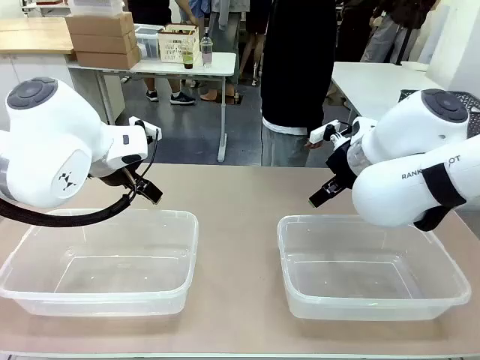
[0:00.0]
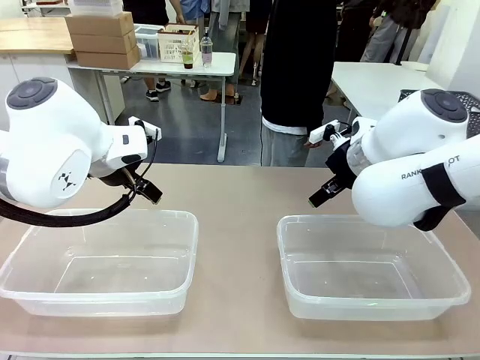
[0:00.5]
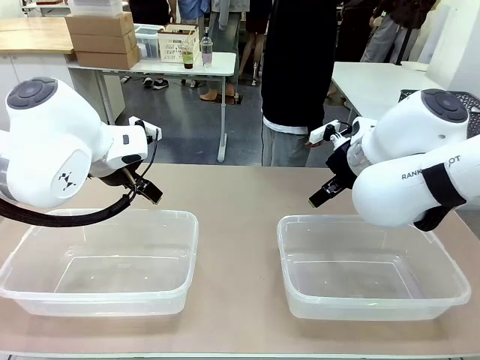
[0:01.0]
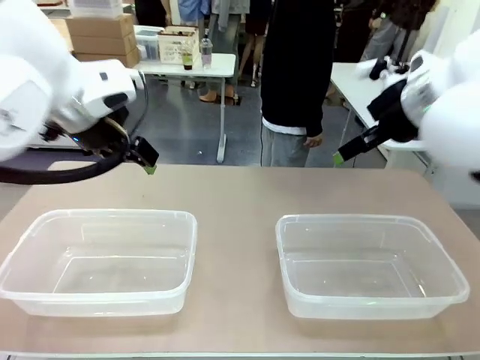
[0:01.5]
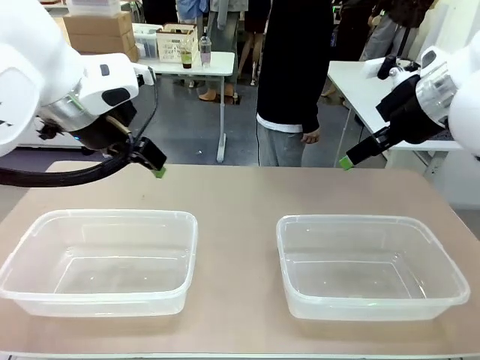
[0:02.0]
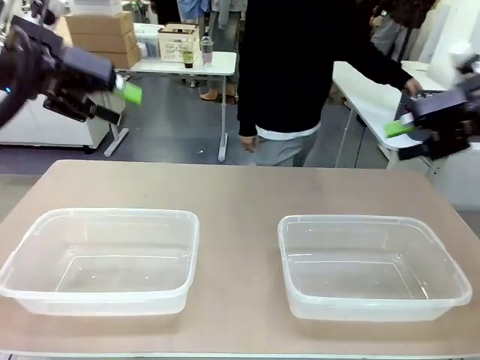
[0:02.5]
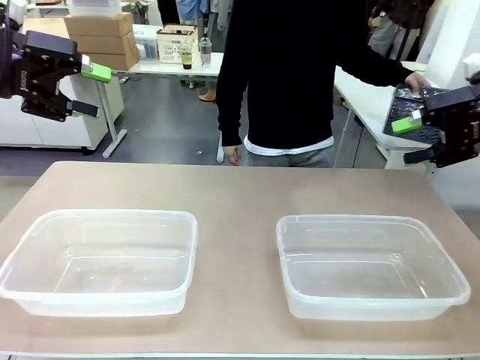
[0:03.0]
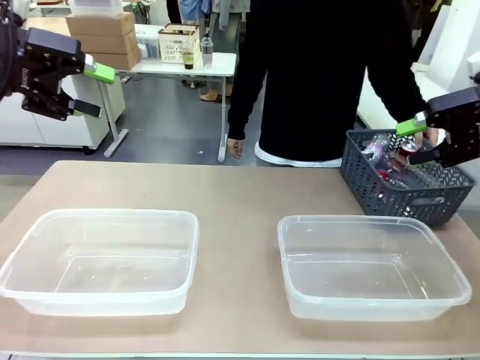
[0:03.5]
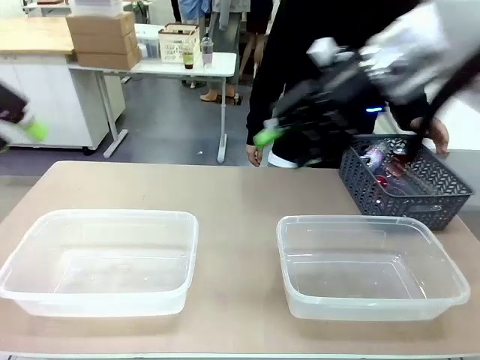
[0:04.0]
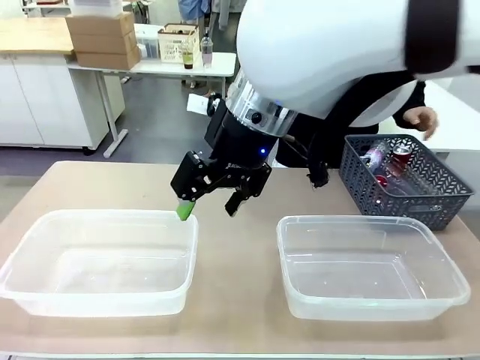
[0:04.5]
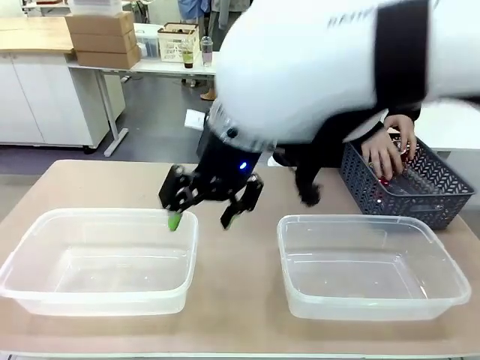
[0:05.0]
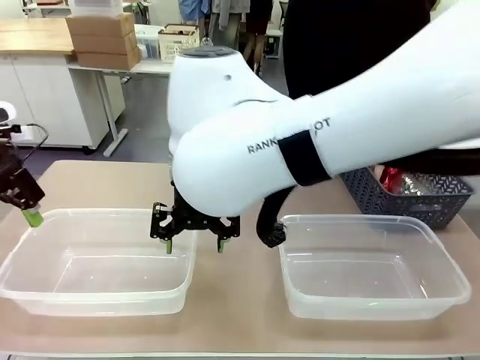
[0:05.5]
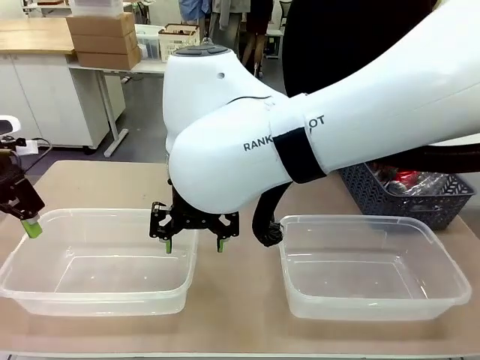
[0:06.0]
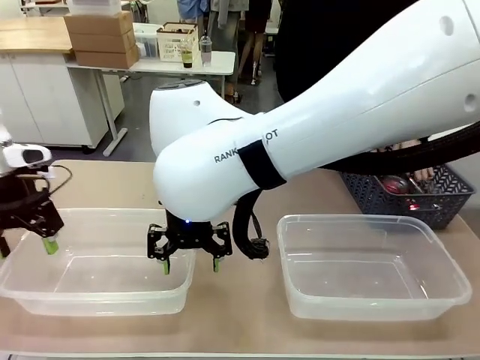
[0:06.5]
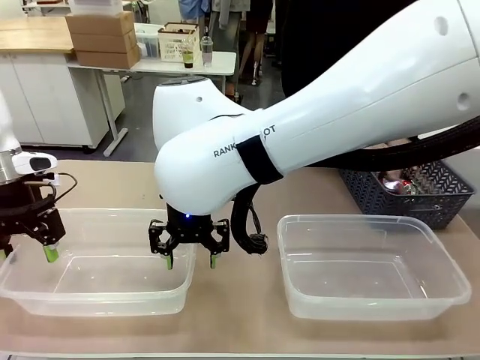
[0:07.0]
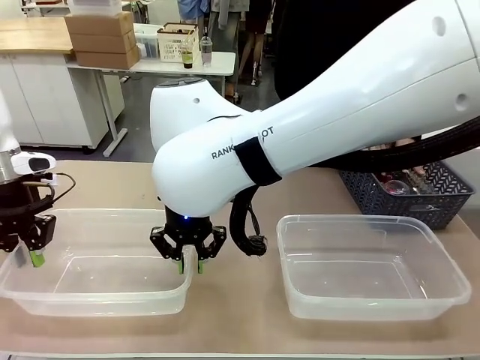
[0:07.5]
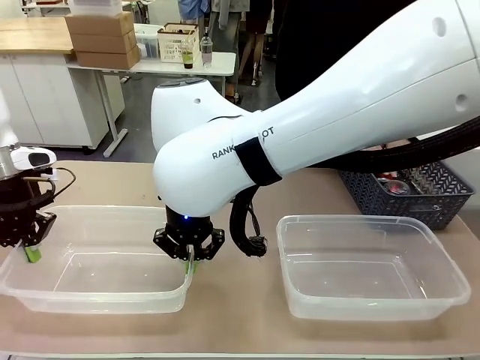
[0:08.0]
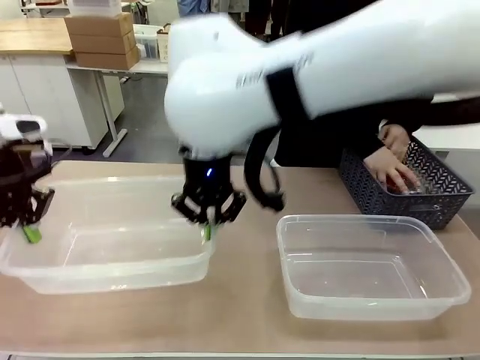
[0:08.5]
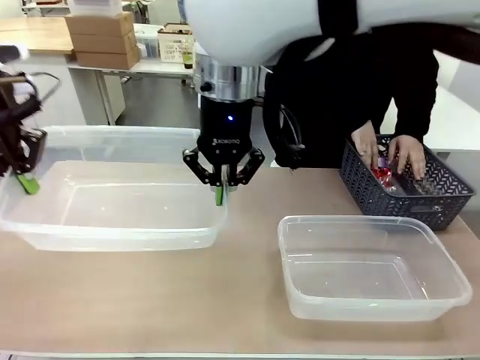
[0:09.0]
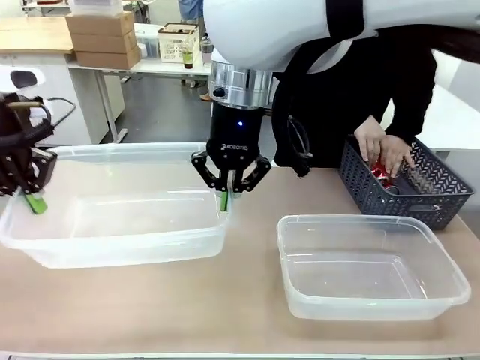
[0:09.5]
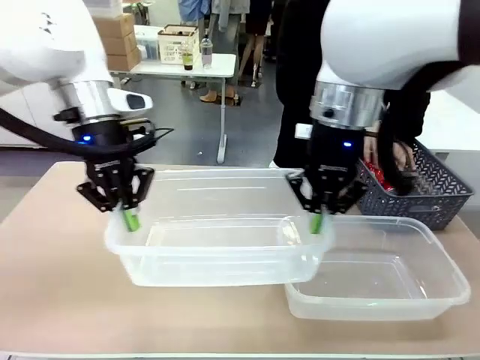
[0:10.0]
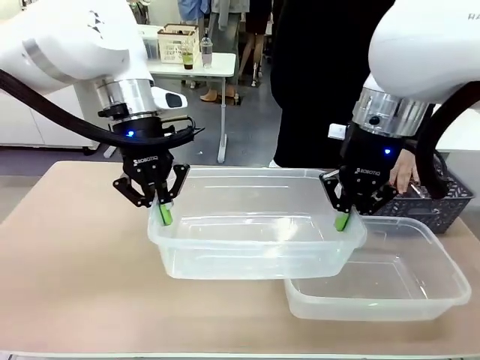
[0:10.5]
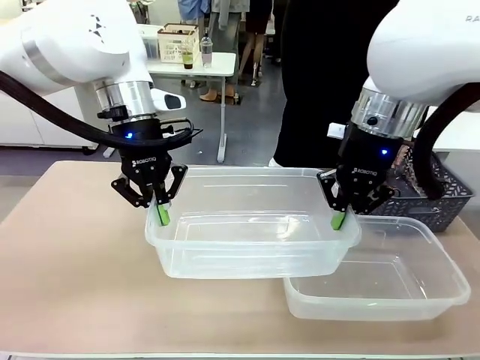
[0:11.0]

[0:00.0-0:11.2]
Robot: Pick up the Organizing box on the left side of the table and lift it.
Person: Pick up the storage basket and place it on the left side of the robot table. Pick up can-shaped waste one by one and place it into the organizing box lifted by the robot.

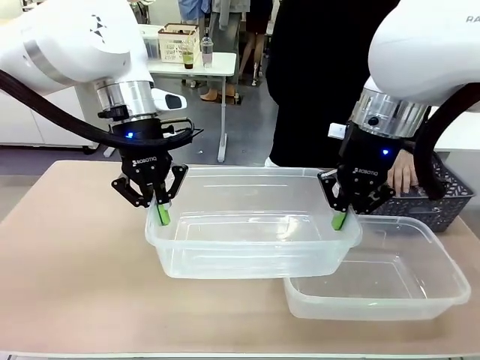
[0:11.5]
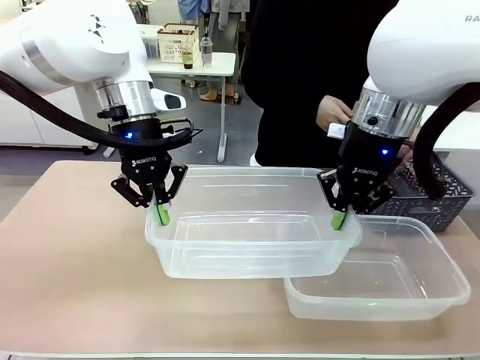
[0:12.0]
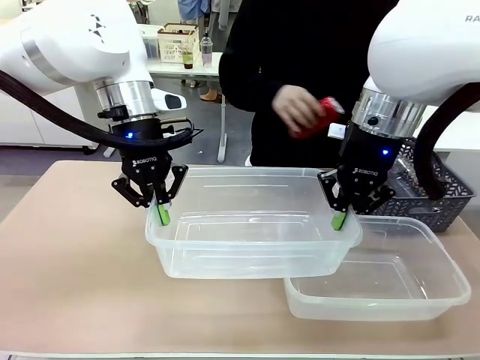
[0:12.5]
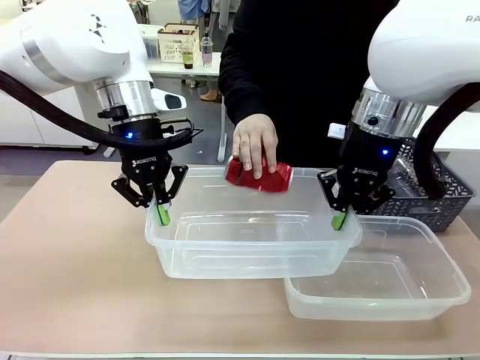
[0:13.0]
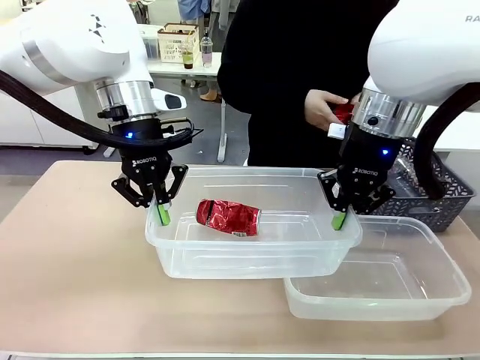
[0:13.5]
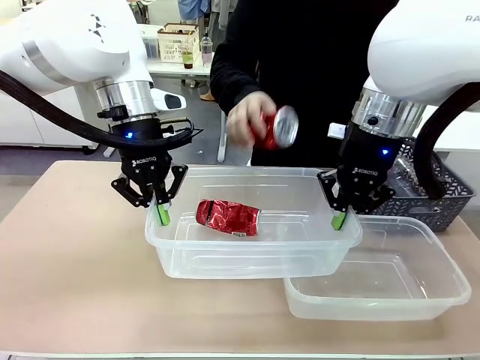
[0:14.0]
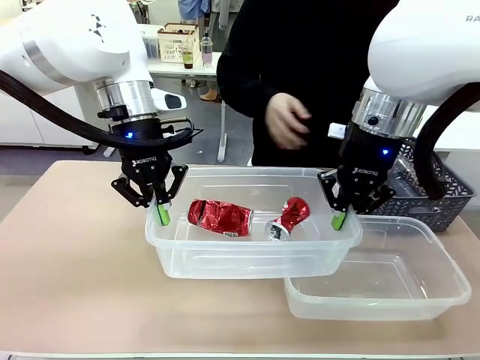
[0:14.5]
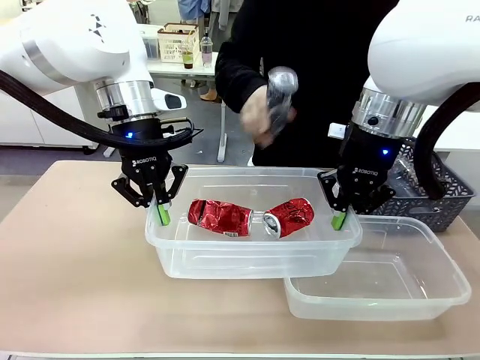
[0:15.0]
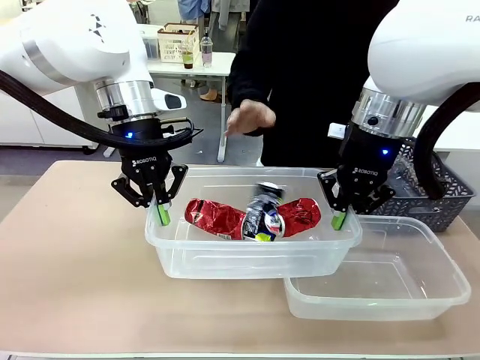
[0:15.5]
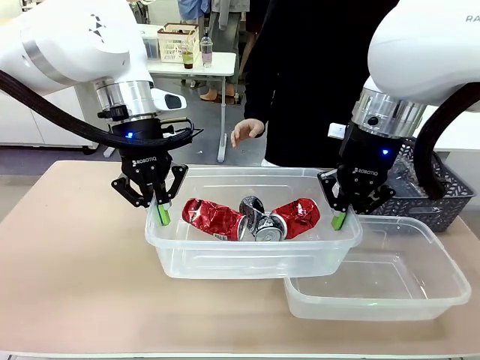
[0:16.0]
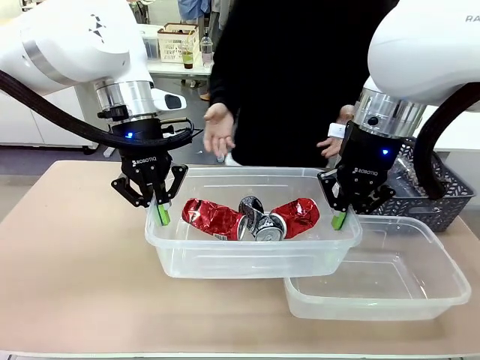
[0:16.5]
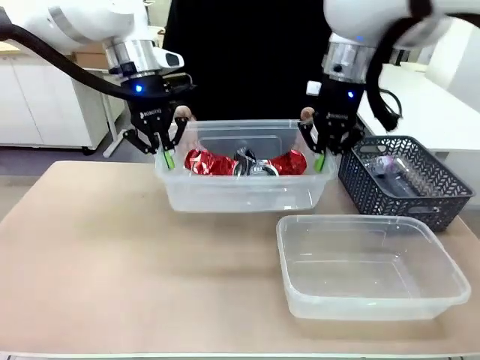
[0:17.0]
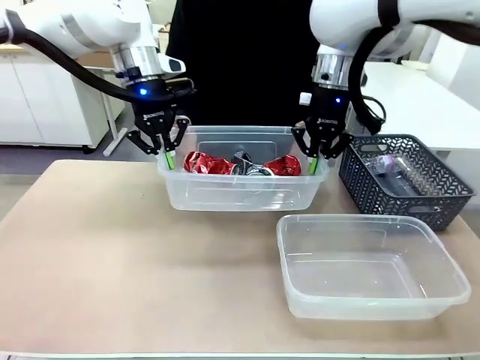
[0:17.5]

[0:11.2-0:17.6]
Robot: Offer the picked Organizing box to the human.

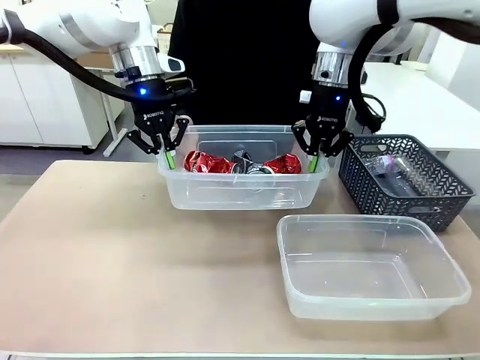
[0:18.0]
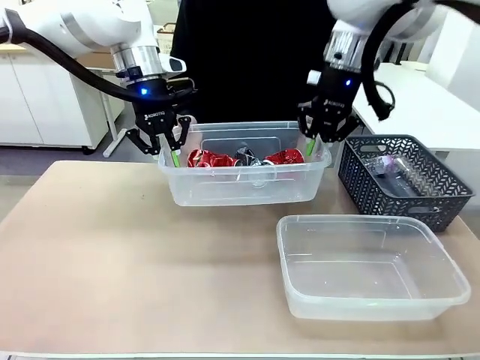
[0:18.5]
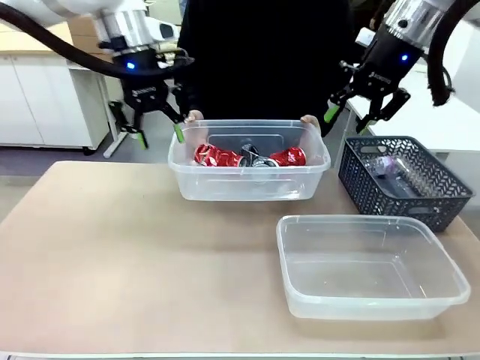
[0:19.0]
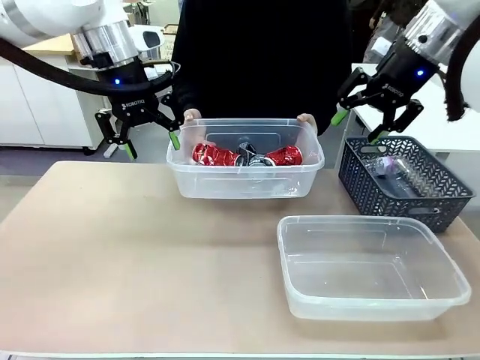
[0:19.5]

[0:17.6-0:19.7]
Robot: Release the Organizing box you were holding.

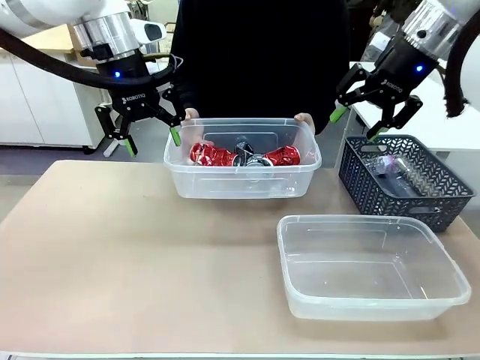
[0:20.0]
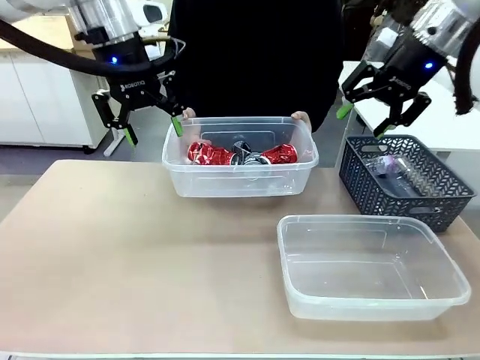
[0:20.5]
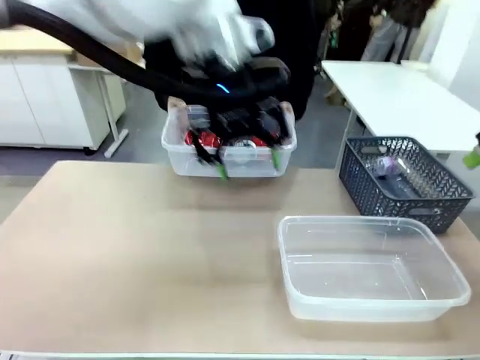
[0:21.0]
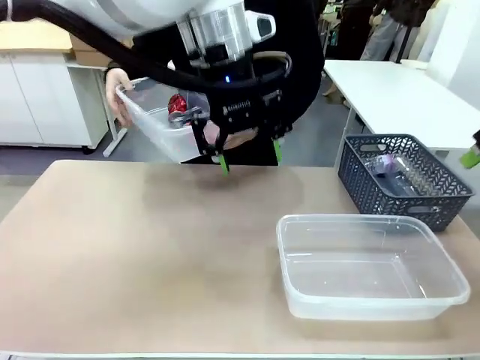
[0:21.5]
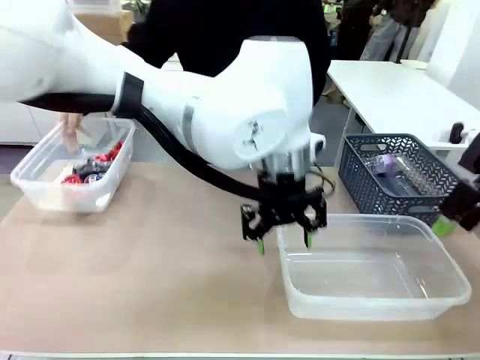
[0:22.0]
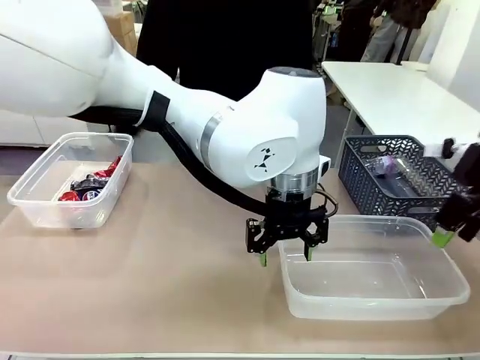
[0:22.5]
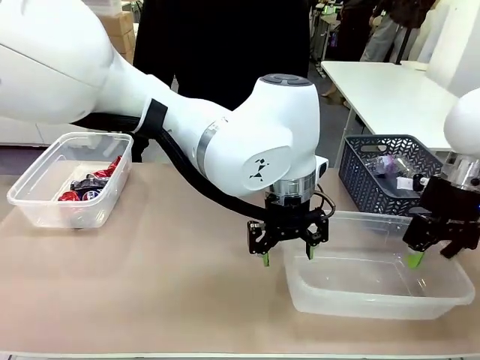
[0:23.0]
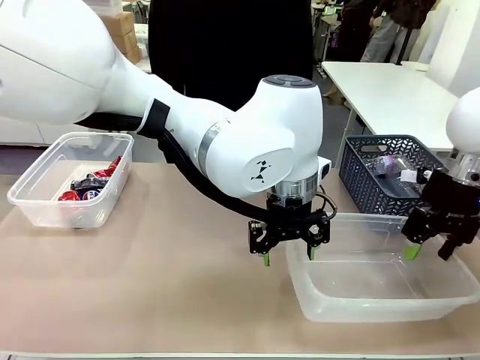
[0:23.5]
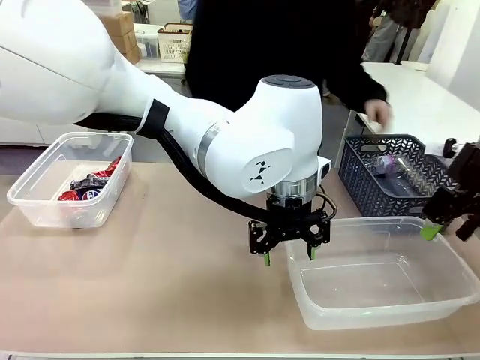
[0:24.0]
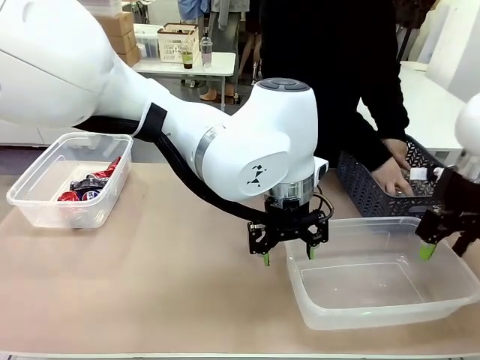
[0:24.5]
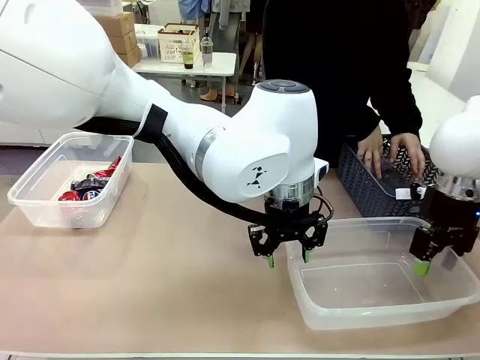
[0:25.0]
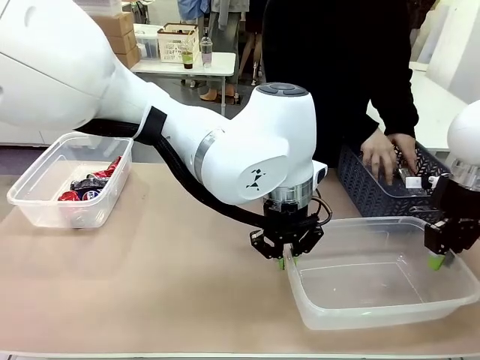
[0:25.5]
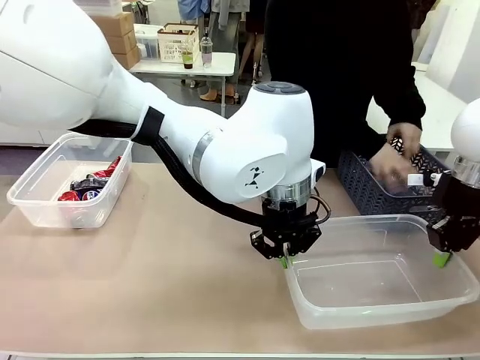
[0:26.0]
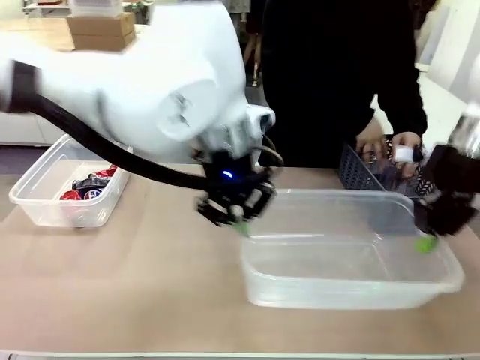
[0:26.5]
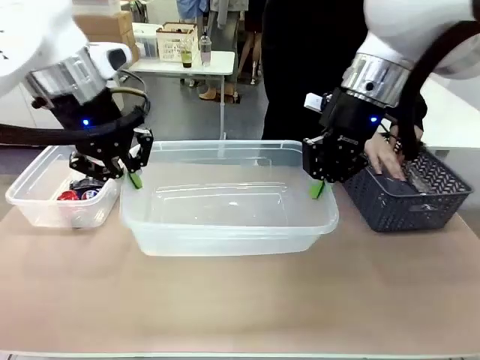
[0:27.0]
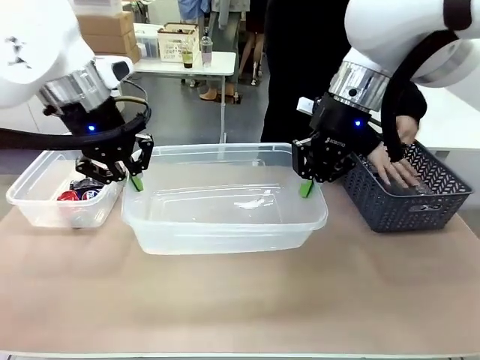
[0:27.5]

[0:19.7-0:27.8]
Robot: Pick up the Organizing box on the right side of the table and lift it.
Person: Place it at the edge of the bottom right area of the robot table.
